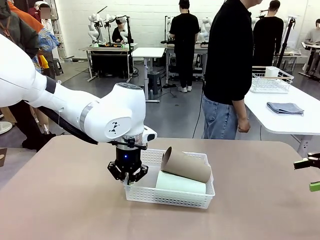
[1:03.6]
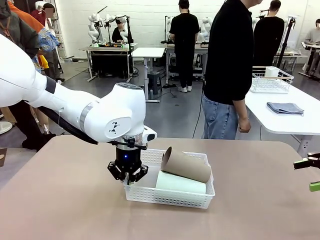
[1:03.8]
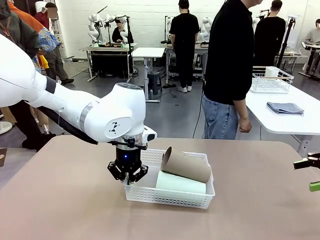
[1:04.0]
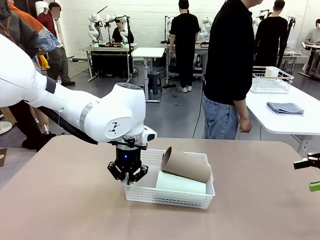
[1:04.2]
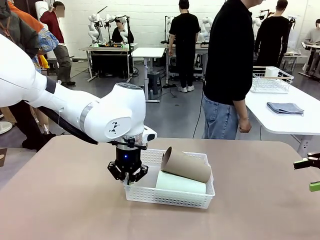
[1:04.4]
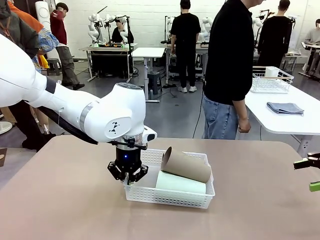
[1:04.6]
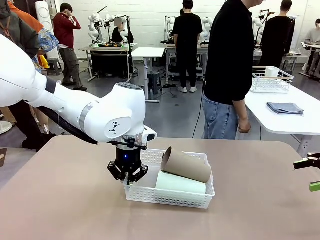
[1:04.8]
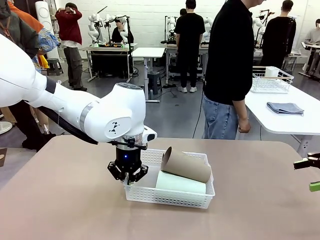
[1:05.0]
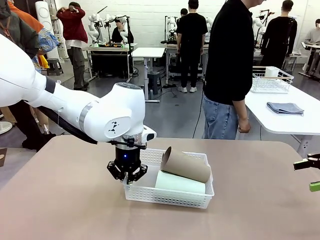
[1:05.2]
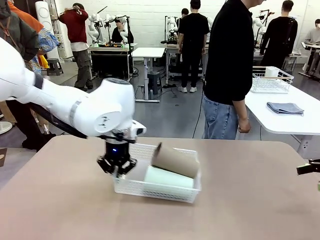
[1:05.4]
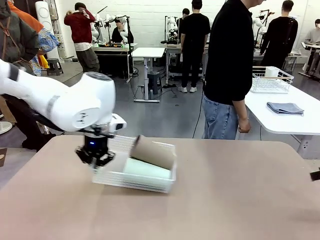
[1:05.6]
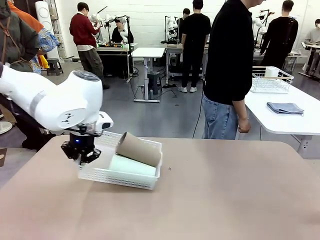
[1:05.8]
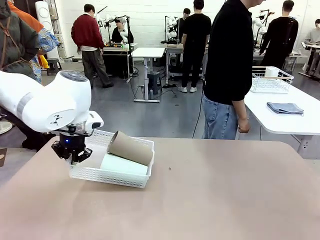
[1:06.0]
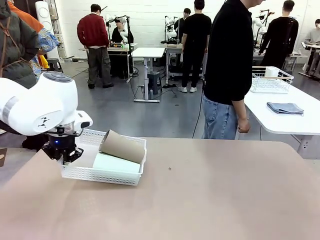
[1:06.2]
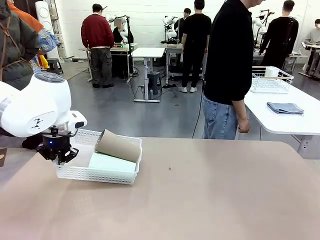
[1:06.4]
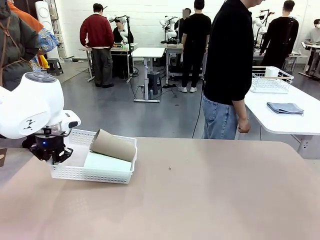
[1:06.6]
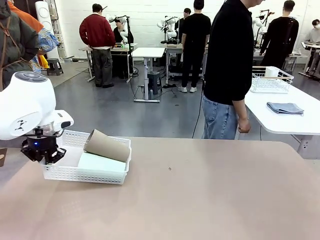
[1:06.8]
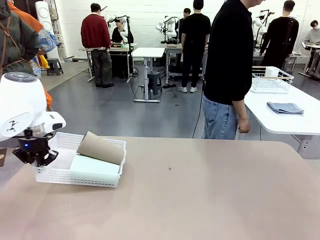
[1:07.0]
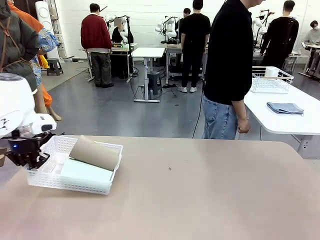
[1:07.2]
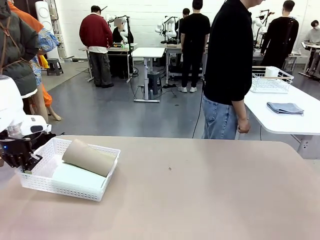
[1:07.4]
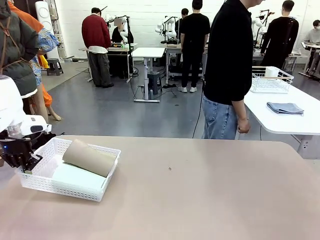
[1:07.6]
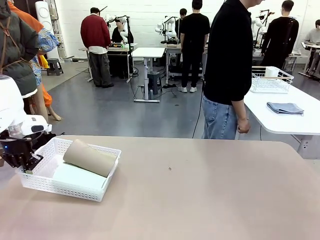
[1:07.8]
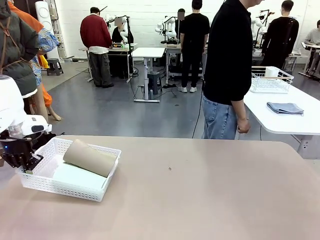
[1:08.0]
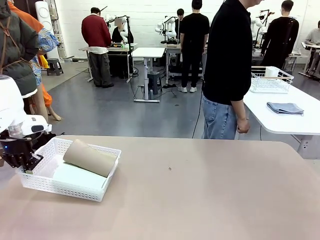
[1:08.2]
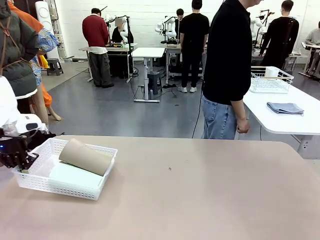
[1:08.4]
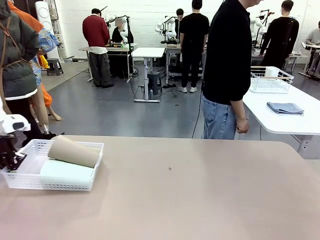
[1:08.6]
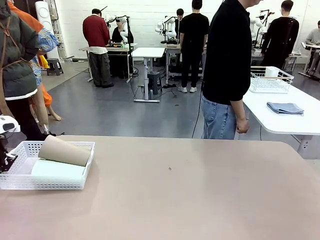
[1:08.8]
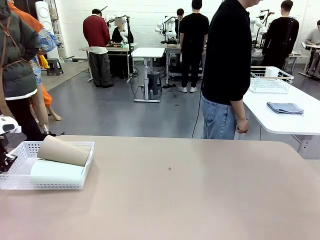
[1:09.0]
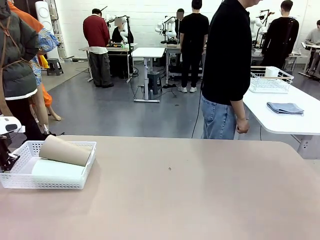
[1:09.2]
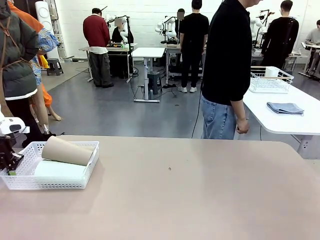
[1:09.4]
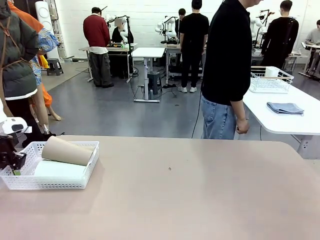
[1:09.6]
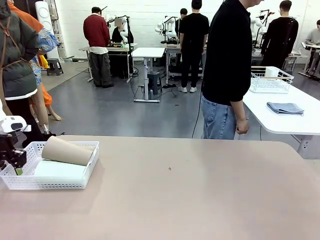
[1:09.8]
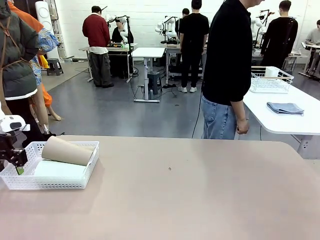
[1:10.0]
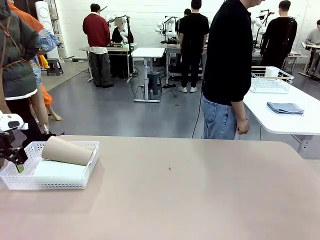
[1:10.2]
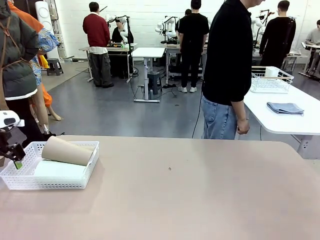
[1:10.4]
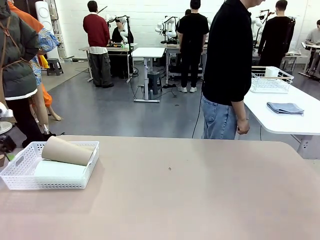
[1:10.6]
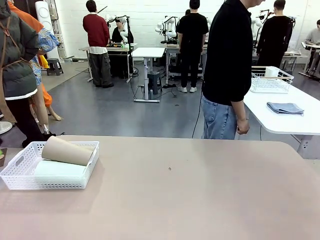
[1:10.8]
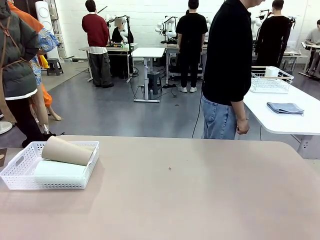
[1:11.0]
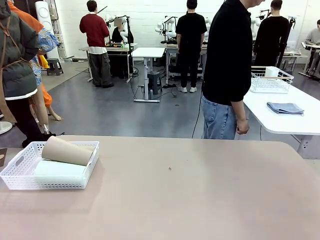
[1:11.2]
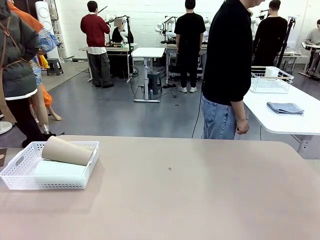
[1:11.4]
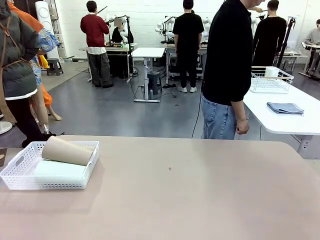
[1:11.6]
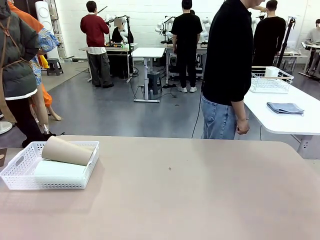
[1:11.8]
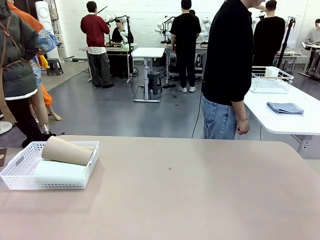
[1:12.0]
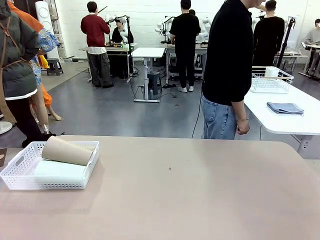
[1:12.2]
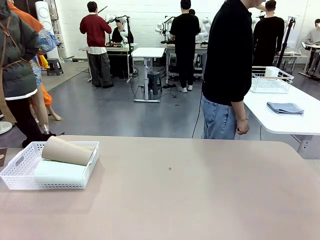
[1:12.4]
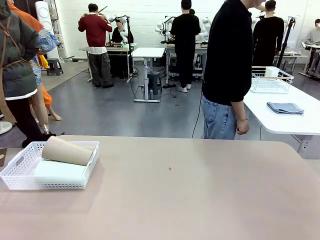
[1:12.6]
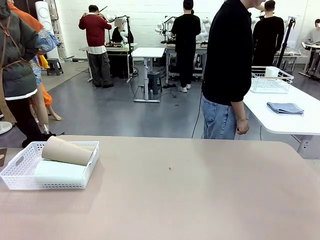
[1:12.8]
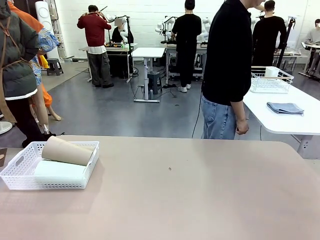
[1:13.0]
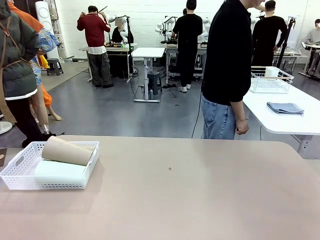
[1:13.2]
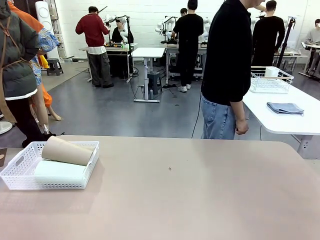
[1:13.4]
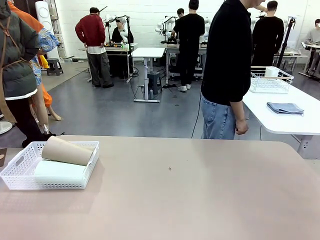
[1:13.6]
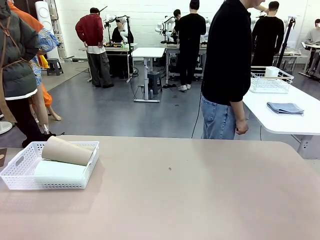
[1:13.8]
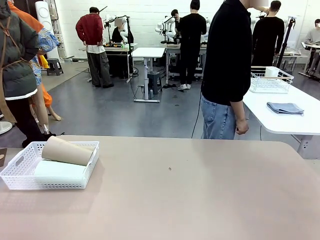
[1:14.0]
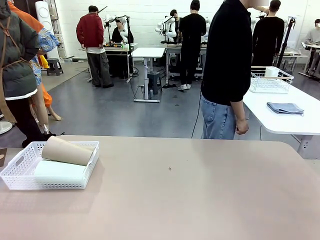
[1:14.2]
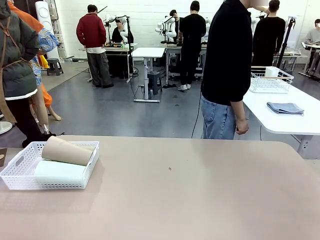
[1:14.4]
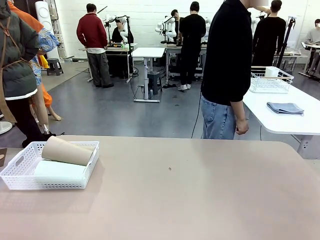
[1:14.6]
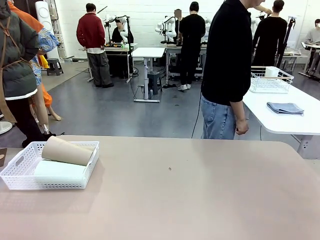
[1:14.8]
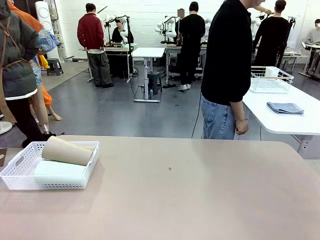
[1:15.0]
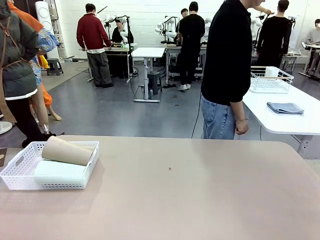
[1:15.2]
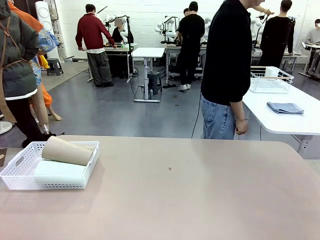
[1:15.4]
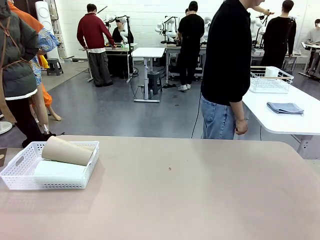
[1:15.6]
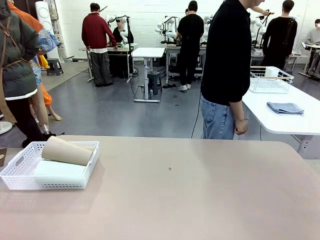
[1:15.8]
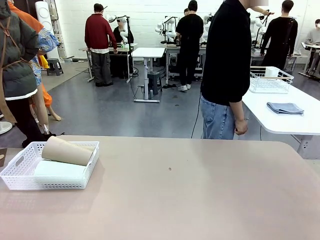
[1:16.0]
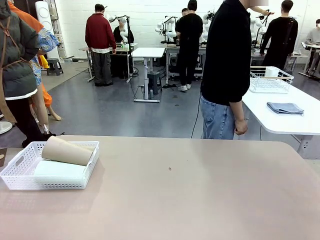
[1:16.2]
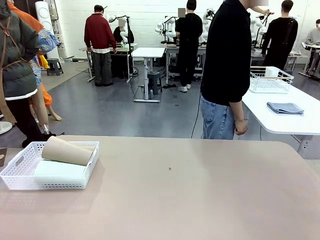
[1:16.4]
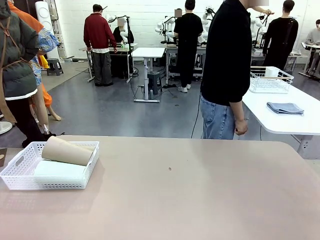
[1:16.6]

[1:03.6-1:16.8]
Task: Clean and organize the cups into the basket.
Robot: Move the Organizing basket back to the left side of the table.
Person: Folds the towel in half twice and places it in the right of the table.

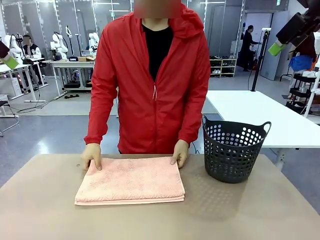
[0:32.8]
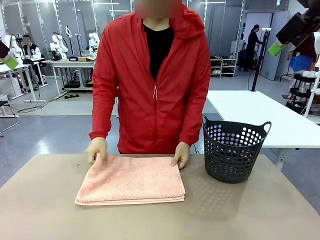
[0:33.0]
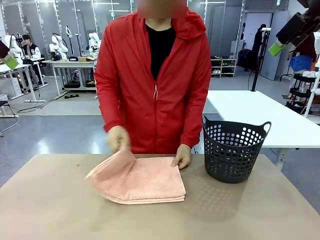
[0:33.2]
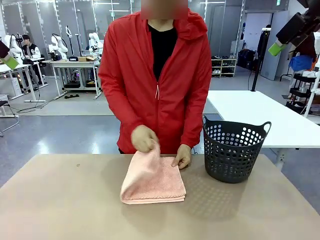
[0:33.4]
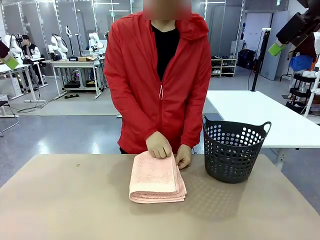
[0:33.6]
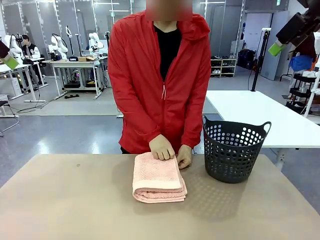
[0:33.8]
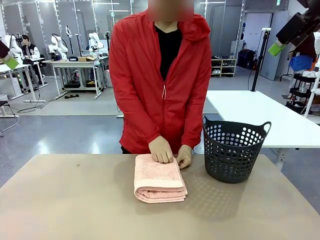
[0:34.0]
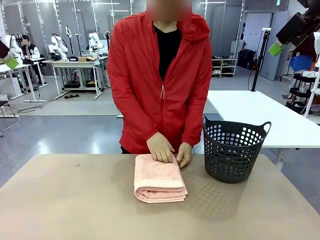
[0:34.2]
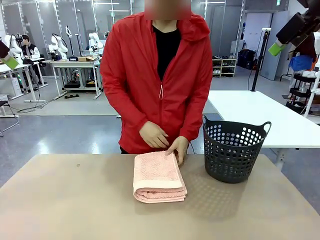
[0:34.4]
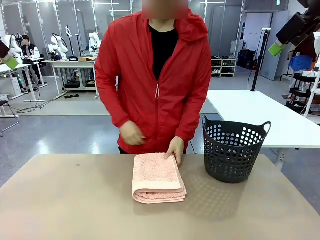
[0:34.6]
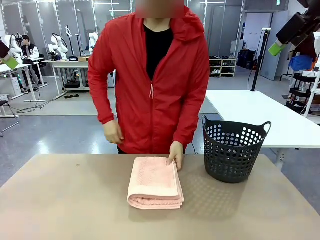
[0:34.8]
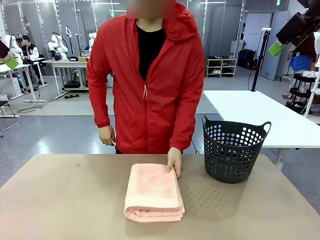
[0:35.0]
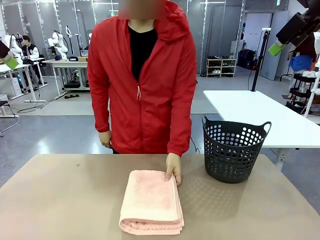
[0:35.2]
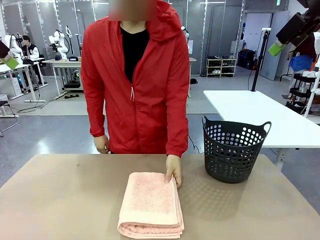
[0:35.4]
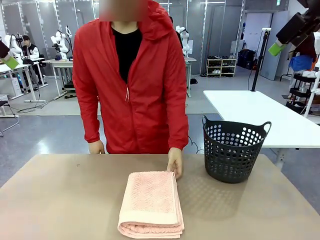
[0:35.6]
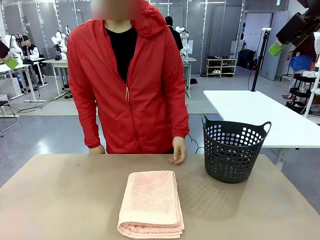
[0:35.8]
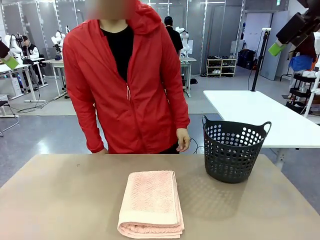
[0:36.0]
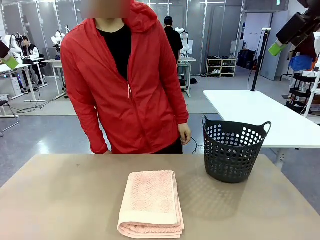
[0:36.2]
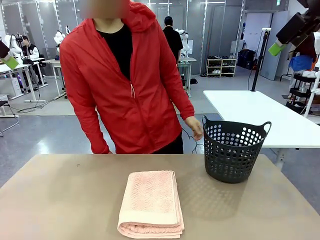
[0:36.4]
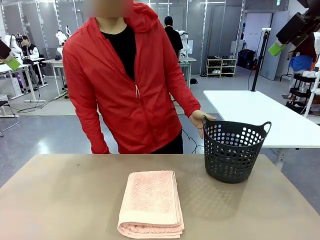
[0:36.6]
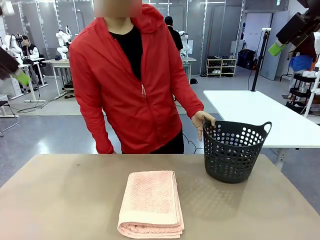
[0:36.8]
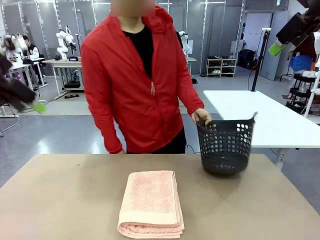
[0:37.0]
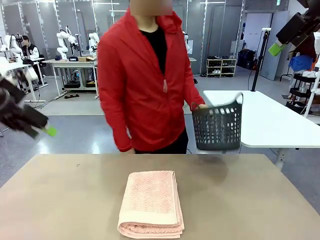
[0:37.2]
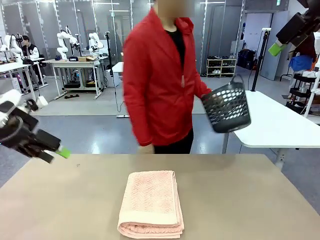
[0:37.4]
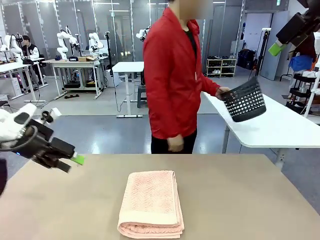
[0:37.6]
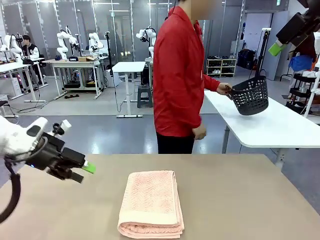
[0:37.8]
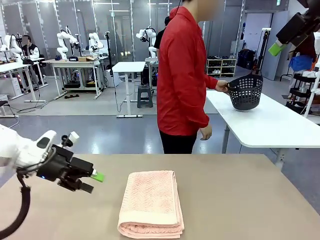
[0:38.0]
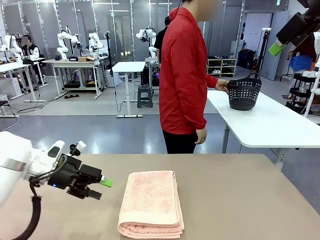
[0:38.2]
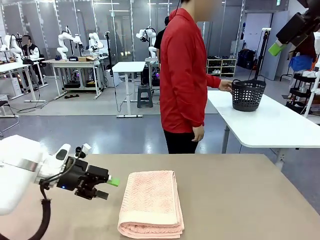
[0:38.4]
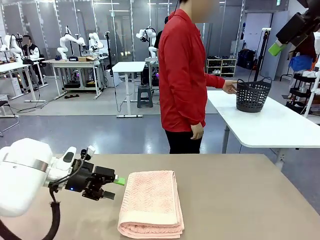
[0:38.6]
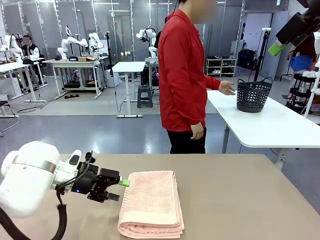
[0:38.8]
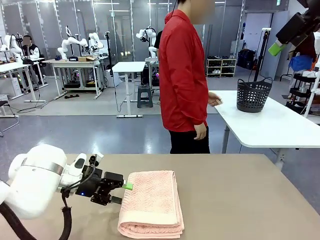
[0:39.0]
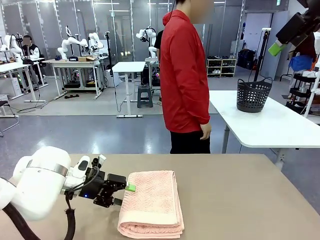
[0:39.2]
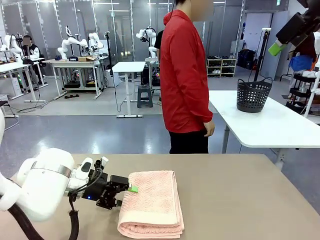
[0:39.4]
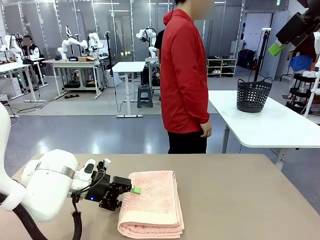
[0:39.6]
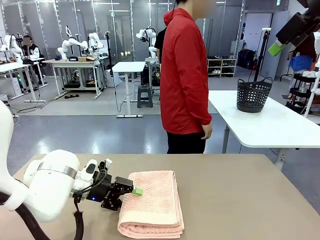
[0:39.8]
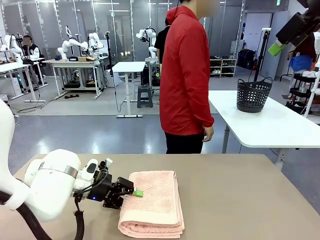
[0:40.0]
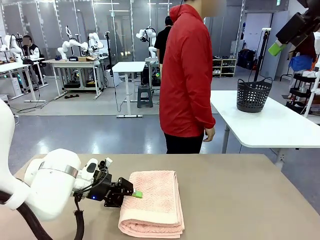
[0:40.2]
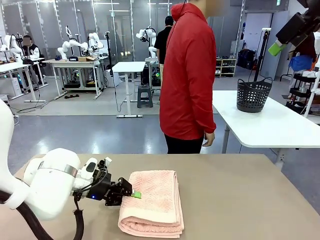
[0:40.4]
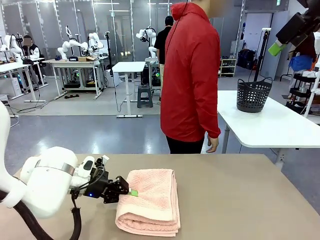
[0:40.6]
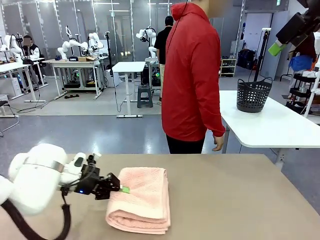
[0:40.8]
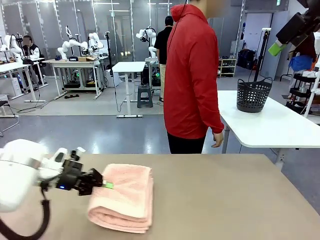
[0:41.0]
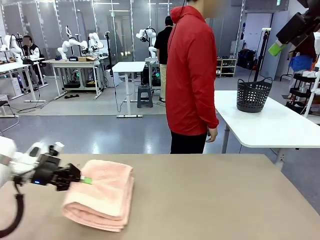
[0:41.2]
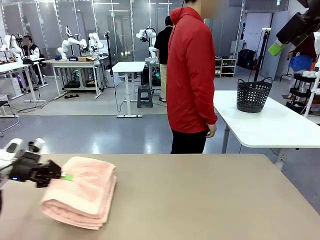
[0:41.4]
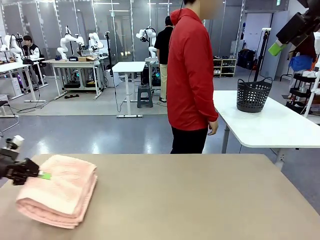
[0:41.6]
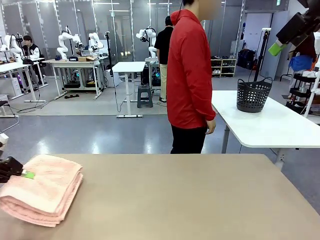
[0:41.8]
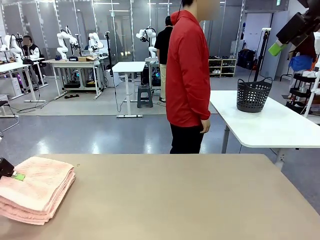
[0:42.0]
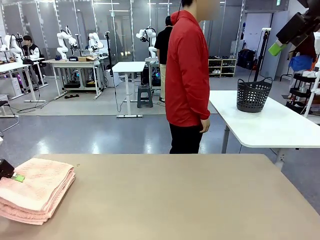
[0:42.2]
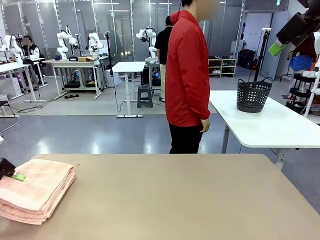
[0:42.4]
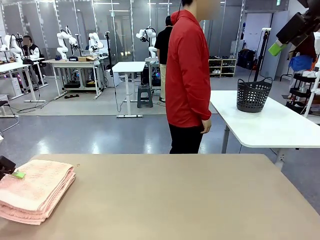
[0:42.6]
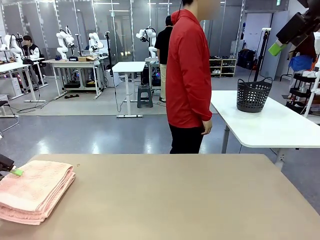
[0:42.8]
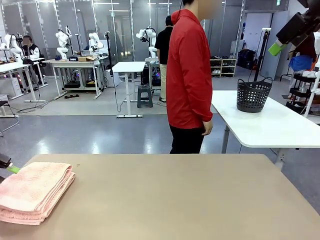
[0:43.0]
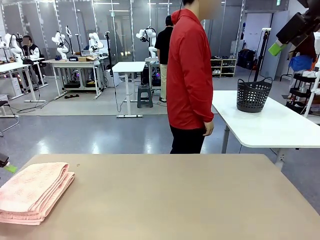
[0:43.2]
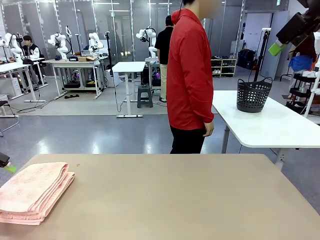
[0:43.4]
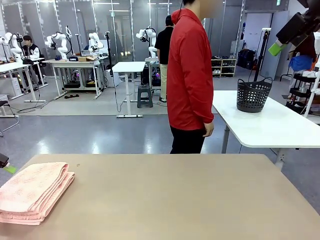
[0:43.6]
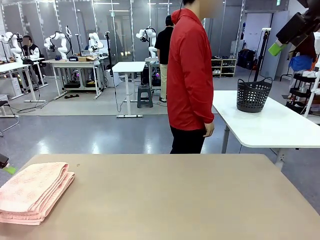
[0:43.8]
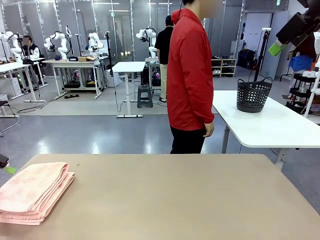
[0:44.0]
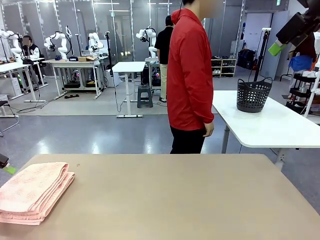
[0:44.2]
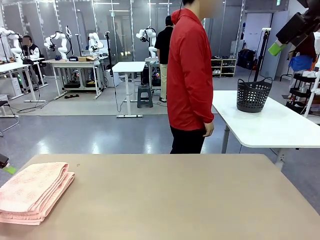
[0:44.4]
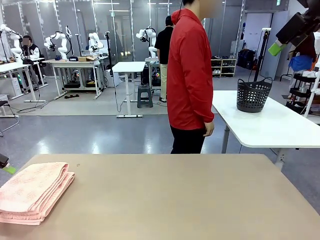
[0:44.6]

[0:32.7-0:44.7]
Task: Fold the towel.
Robot: Pick up the 100 cm Hotel Towel and place it on the left side of the table.
Person: Place the towel at the center of the robot table and fold it in half. Pick up the laundry basket and place it at the center of the human table.
